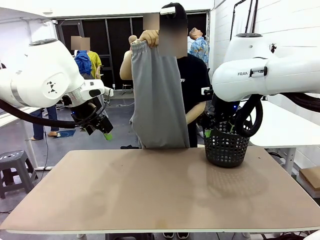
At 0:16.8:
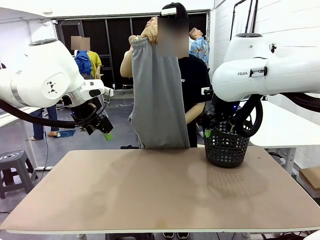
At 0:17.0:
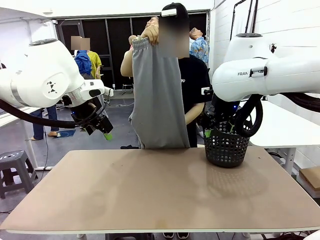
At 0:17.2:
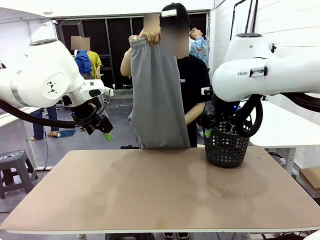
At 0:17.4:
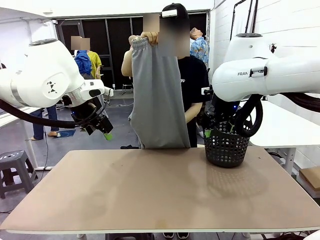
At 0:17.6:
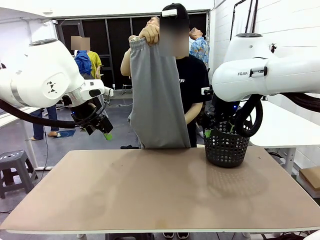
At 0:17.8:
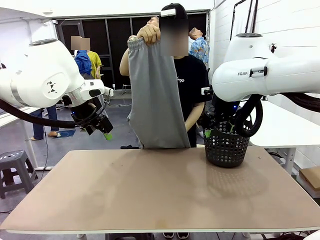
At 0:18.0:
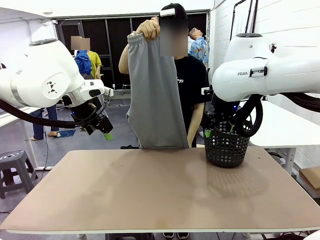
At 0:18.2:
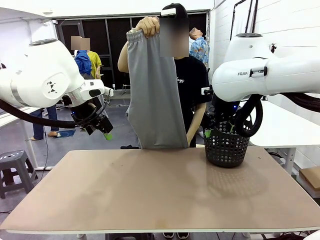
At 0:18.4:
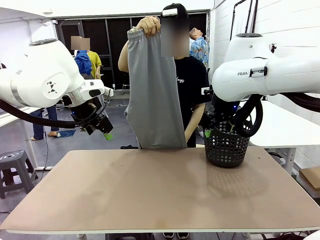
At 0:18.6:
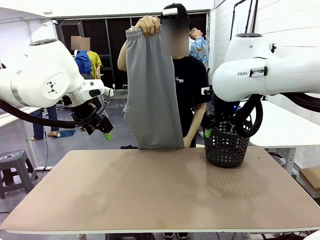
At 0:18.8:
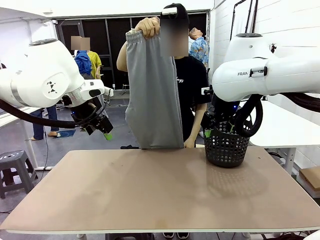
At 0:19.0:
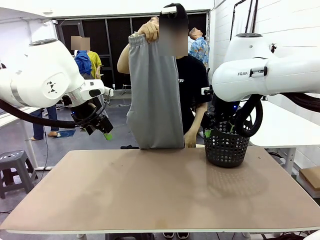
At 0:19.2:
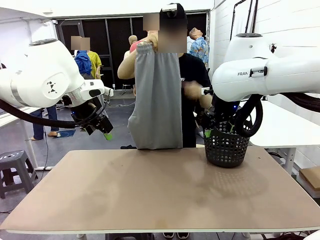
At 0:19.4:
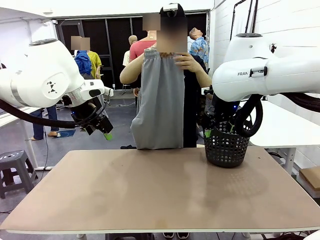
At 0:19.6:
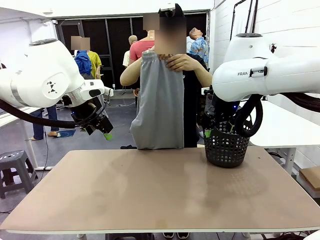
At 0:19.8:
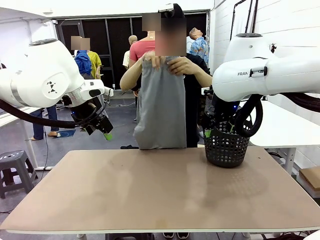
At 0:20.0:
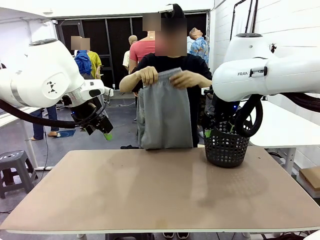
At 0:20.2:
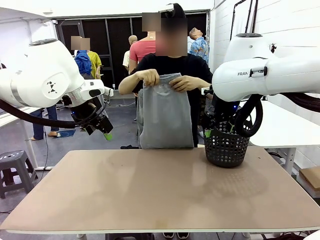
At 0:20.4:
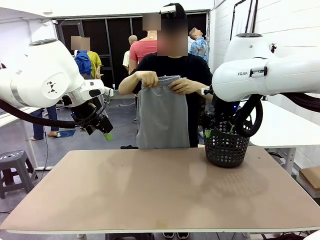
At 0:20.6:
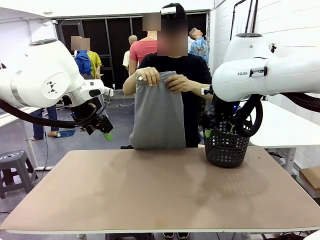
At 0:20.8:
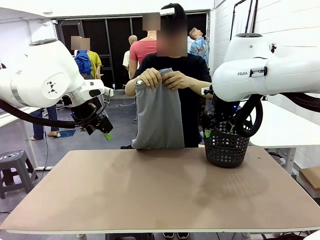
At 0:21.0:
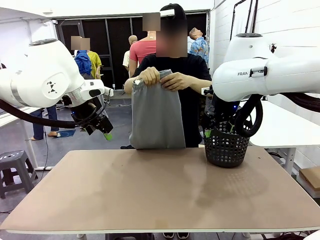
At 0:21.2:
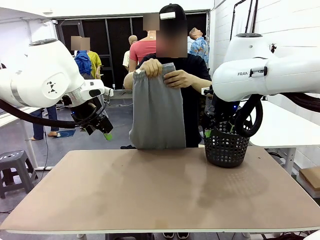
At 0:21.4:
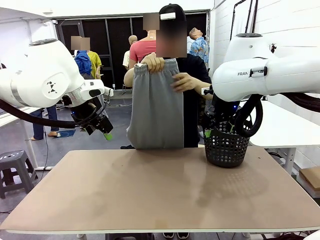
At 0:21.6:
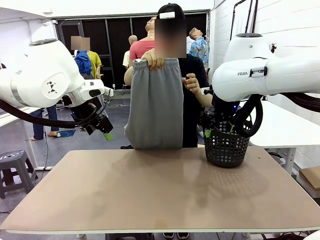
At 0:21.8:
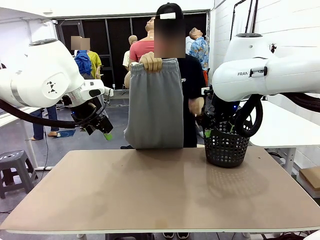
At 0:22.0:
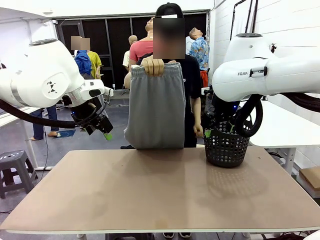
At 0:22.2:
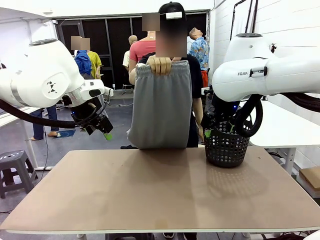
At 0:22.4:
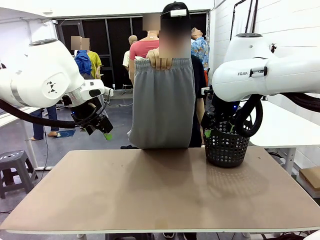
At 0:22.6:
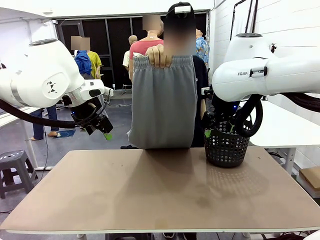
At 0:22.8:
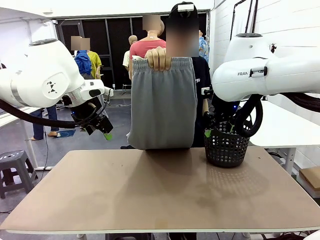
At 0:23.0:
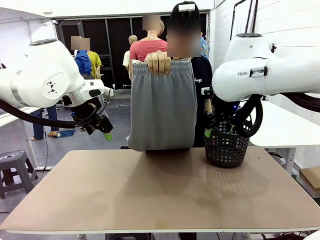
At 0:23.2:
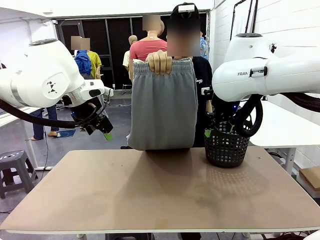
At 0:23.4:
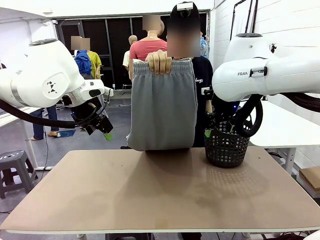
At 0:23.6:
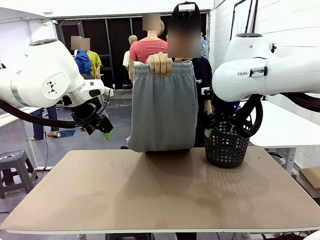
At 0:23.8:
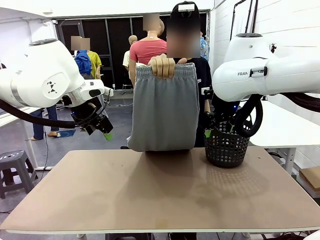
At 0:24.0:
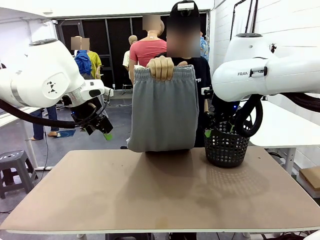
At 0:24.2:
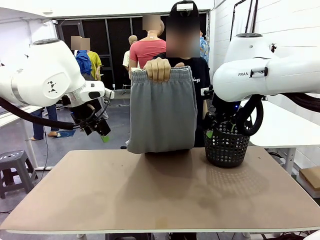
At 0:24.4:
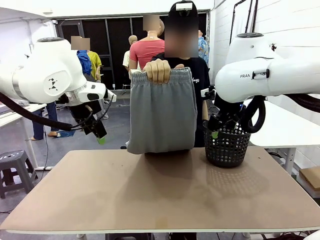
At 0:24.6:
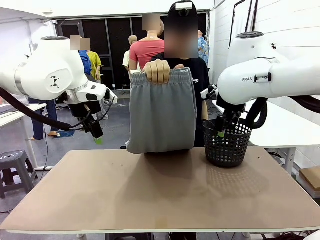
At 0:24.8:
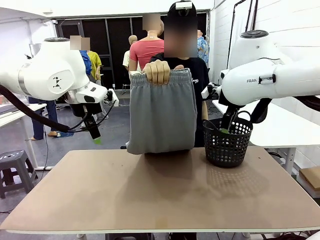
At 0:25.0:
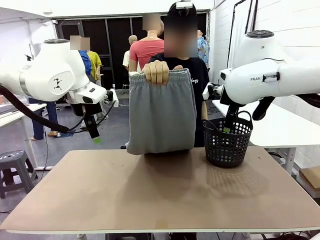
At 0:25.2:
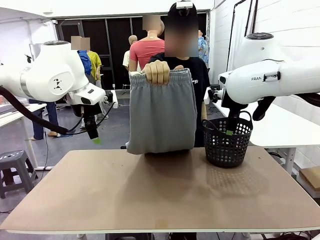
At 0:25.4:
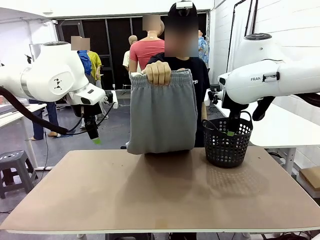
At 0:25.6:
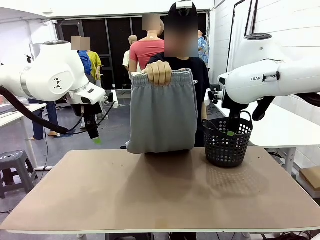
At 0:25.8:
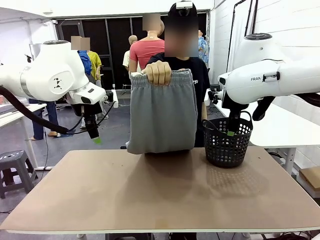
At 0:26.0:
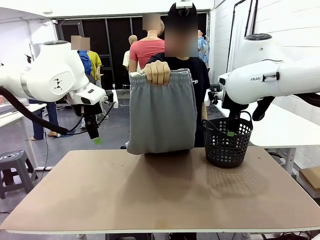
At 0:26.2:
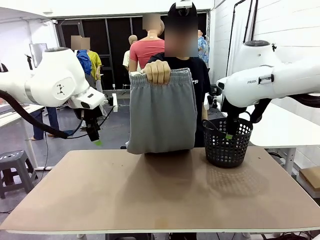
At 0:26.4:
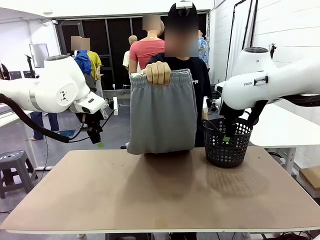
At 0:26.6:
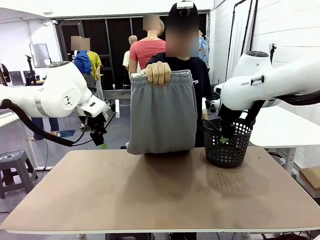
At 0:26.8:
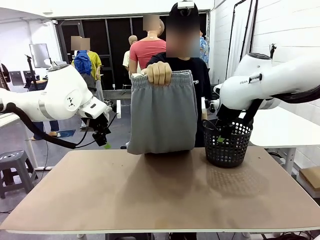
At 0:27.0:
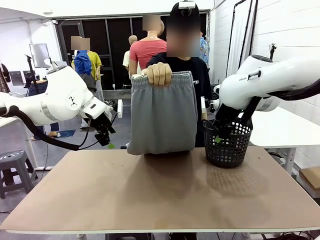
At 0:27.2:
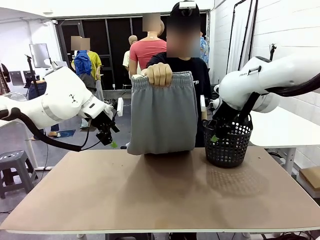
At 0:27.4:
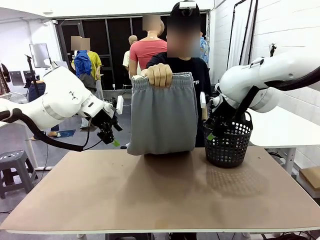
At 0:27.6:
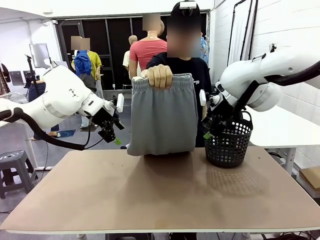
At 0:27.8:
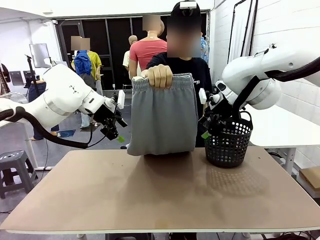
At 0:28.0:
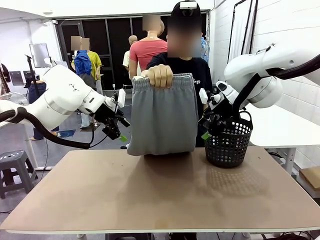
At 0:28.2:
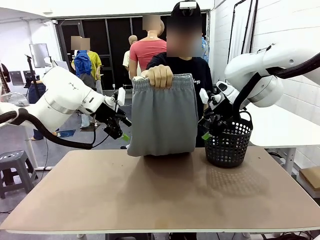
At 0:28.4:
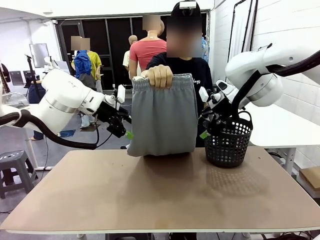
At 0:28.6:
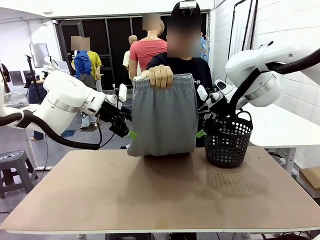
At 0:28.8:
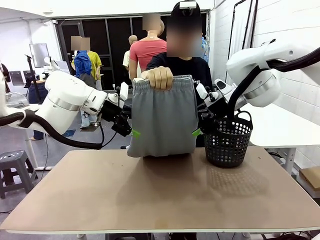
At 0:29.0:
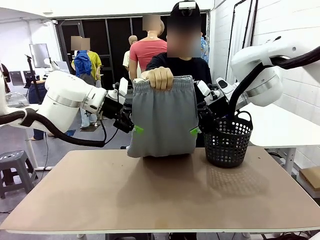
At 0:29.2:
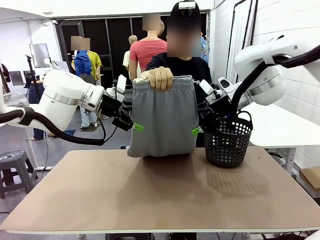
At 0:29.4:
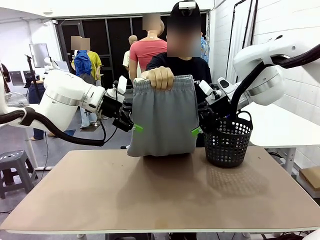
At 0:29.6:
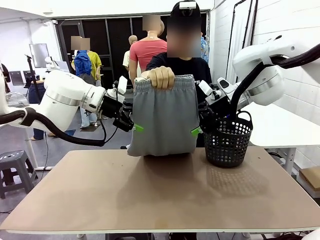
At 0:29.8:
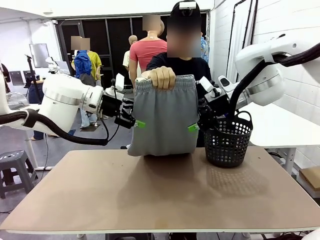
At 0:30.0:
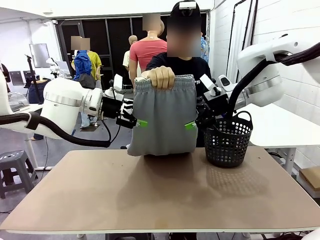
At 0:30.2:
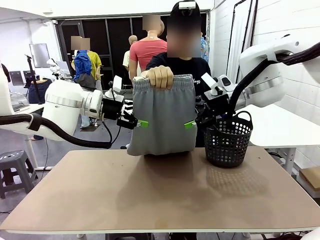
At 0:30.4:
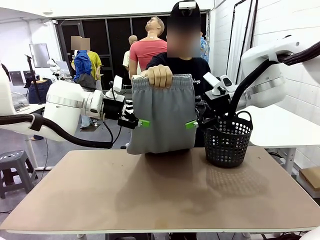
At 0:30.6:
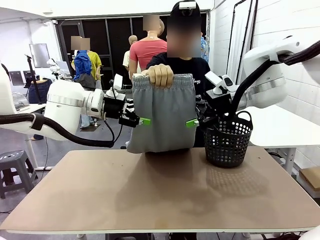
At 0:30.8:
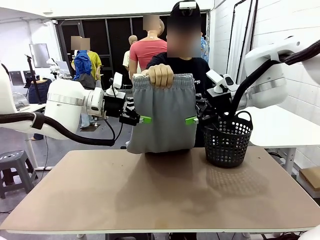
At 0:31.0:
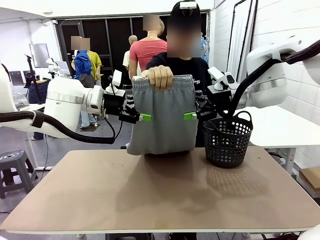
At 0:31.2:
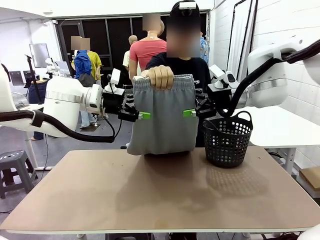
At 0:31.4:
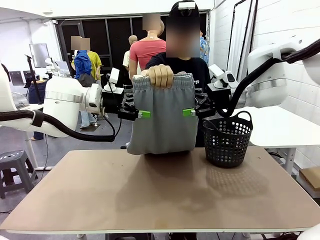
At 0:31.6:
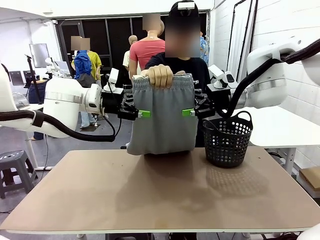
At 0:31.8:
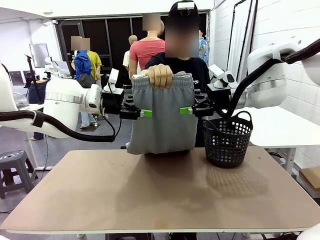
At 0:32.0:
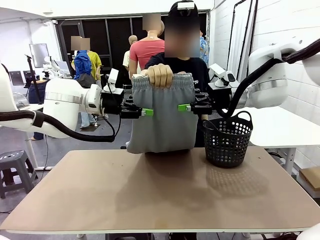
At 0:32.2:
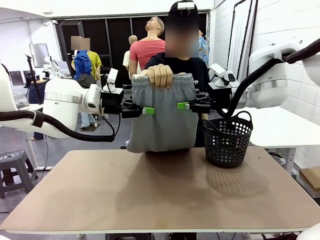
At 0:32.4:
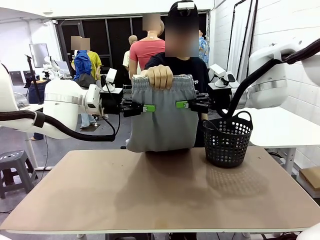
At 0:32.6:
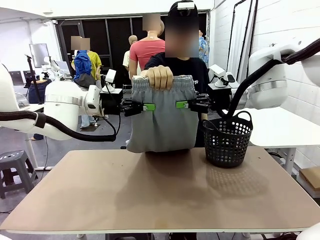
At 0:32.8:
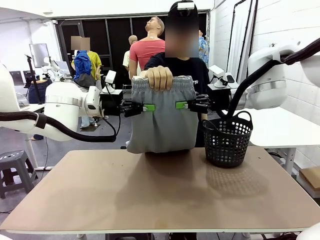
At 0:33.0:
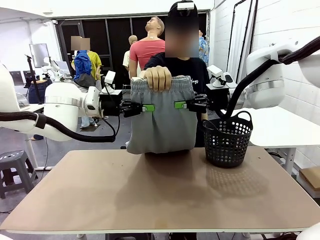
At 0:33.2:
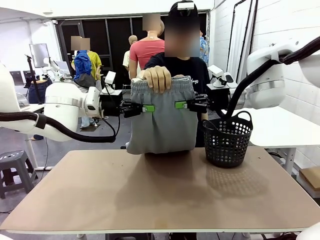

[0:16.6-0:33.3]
Task: Fold the training pants.
Robot: Grab both ends of the Training pants handed by a person.
